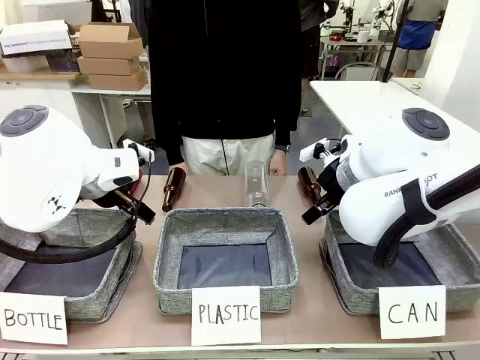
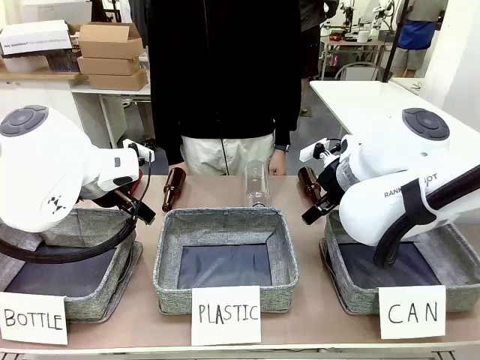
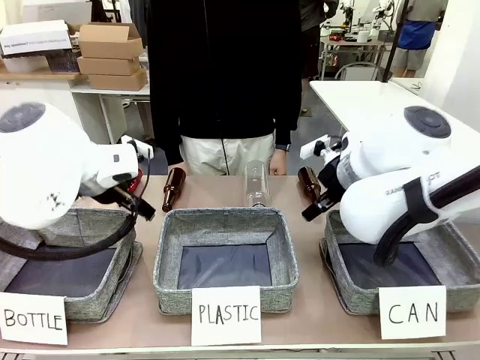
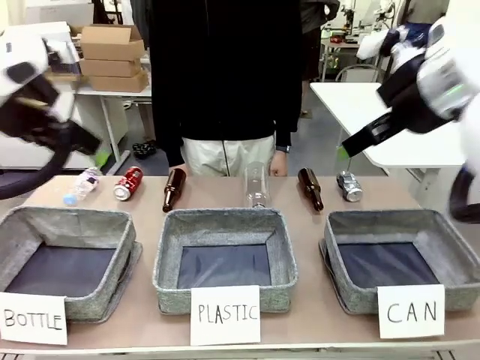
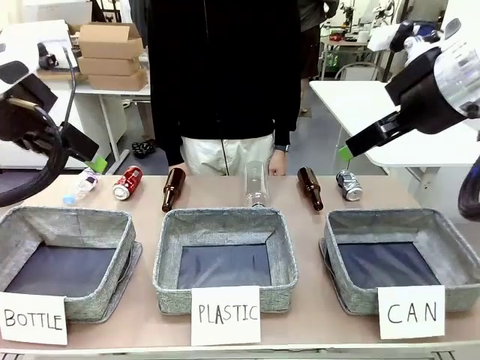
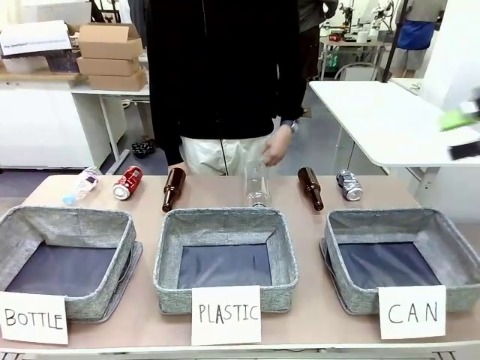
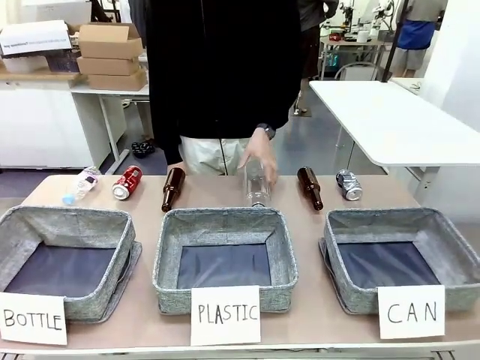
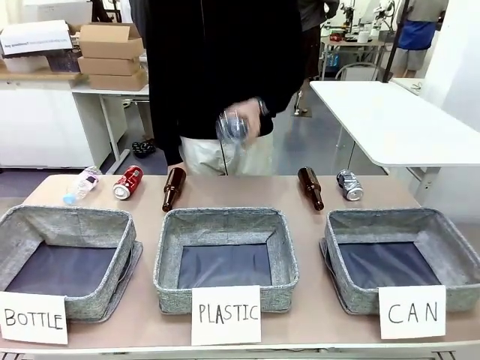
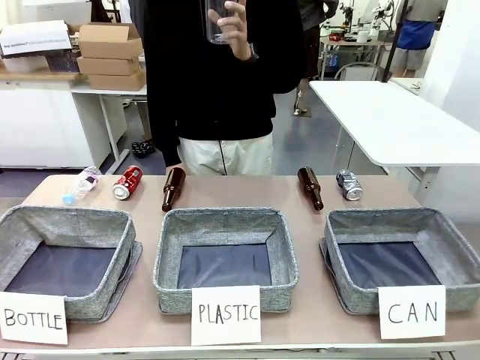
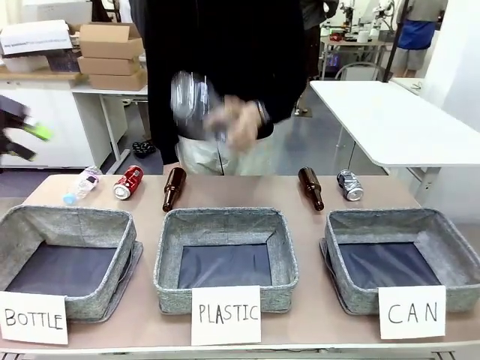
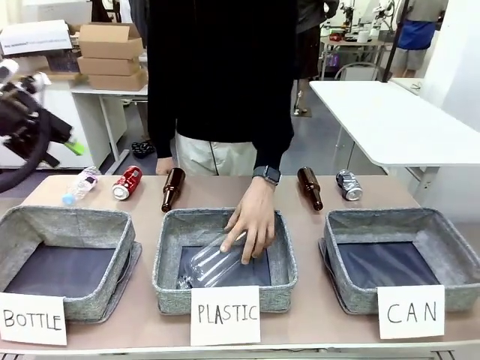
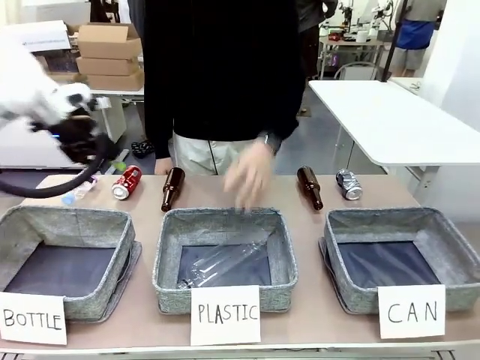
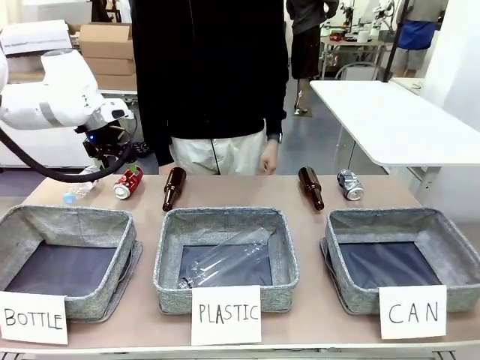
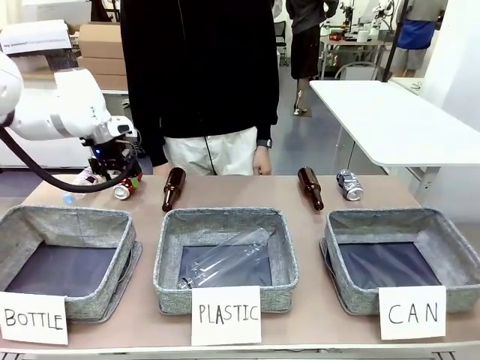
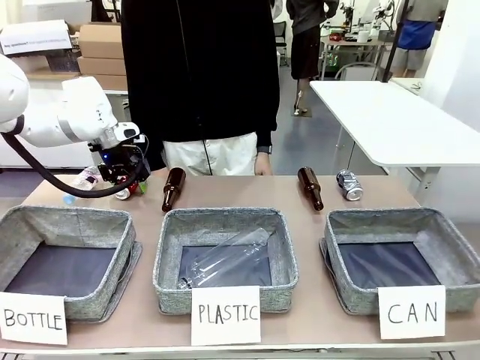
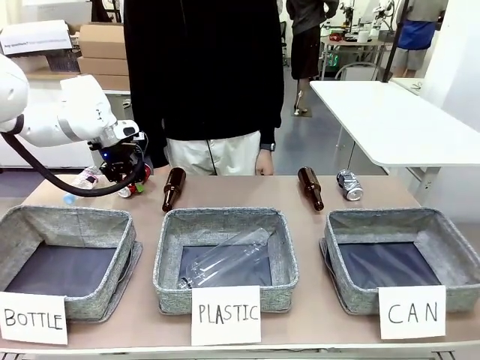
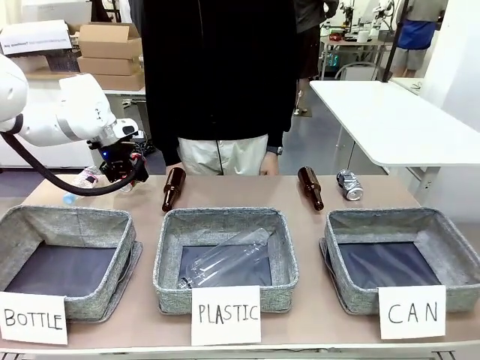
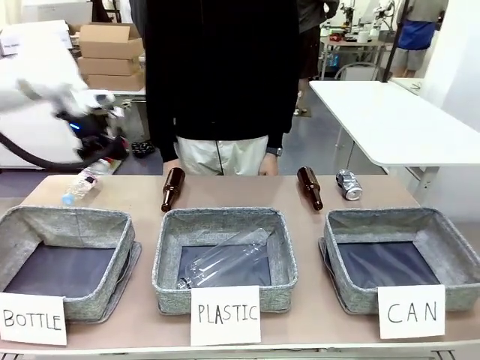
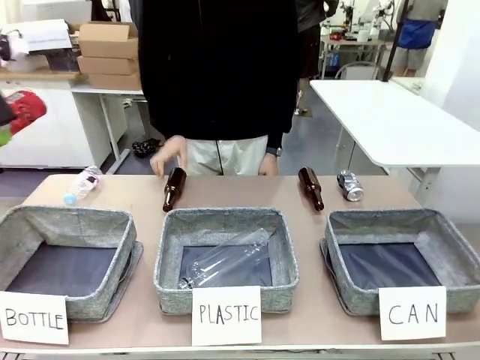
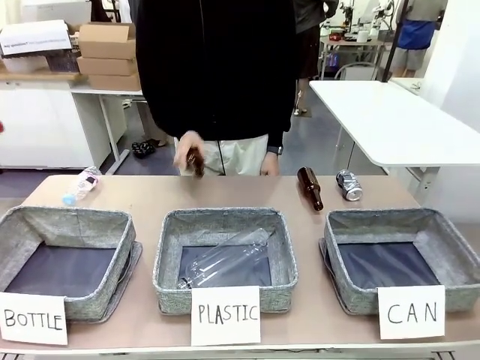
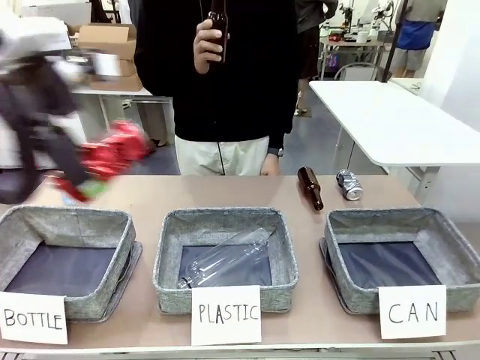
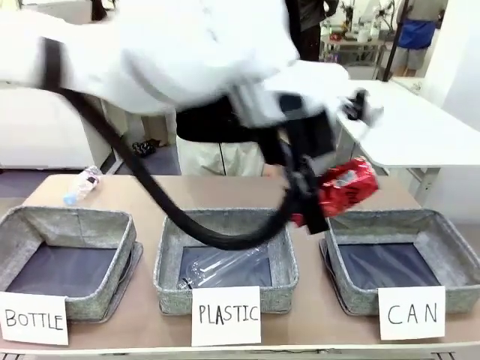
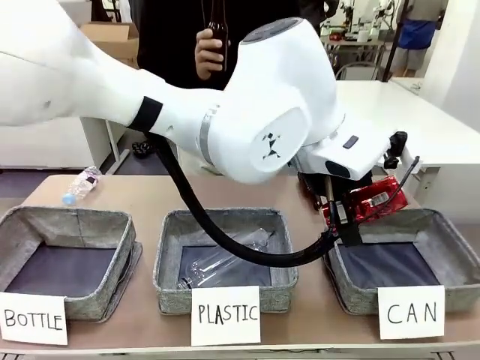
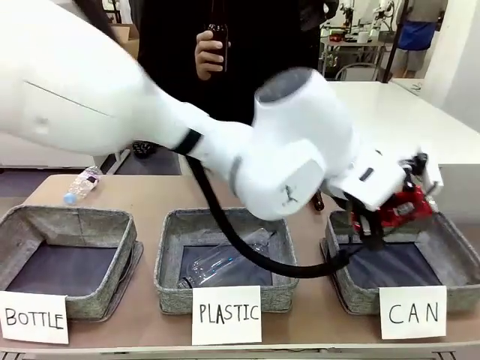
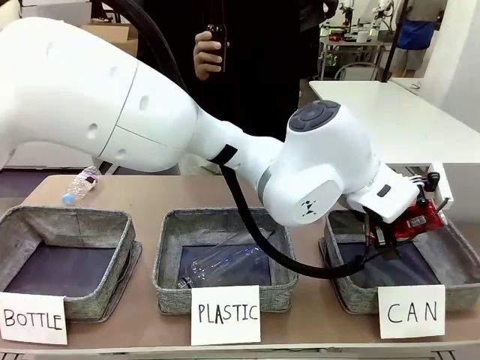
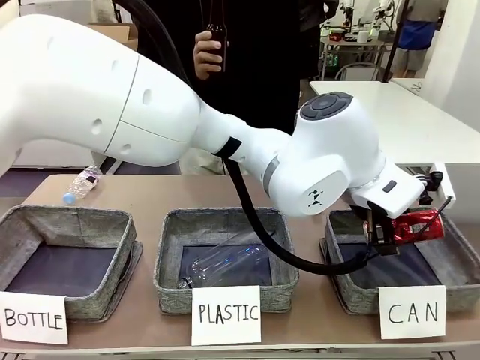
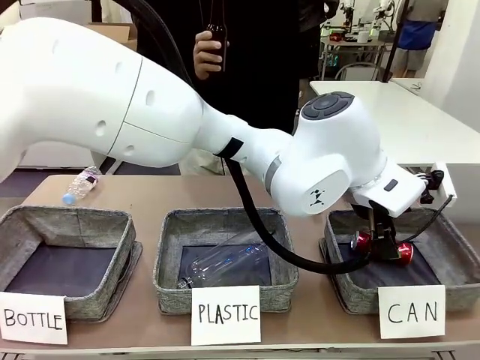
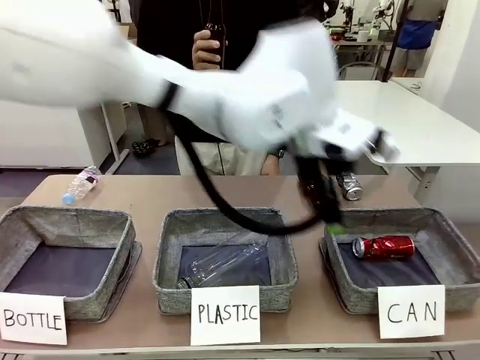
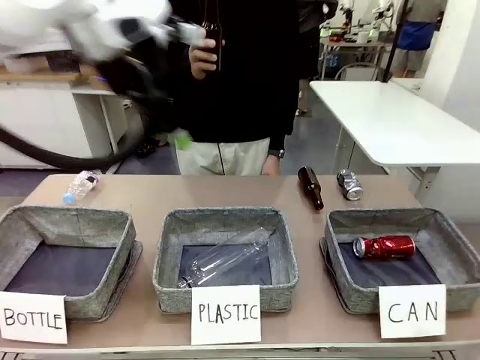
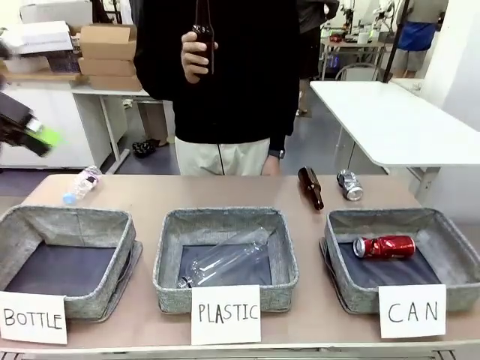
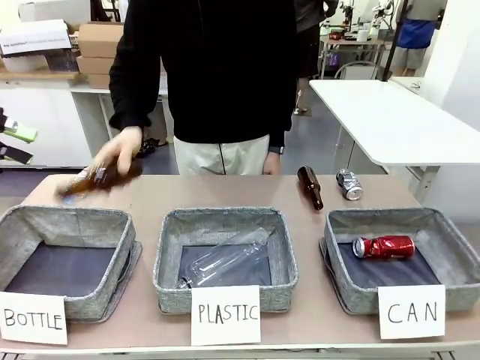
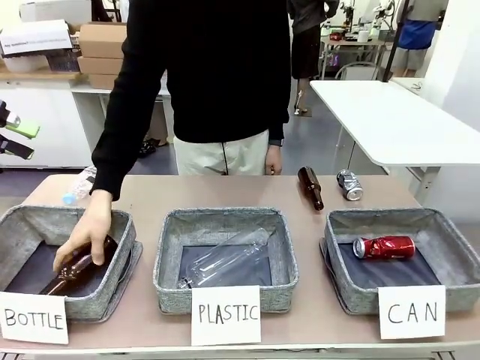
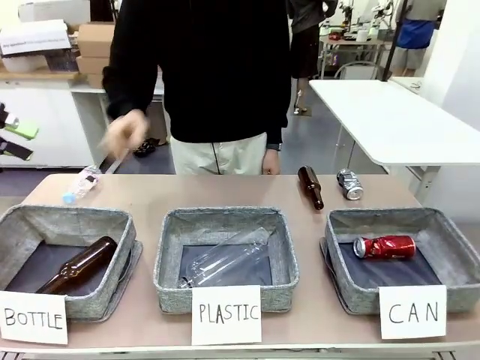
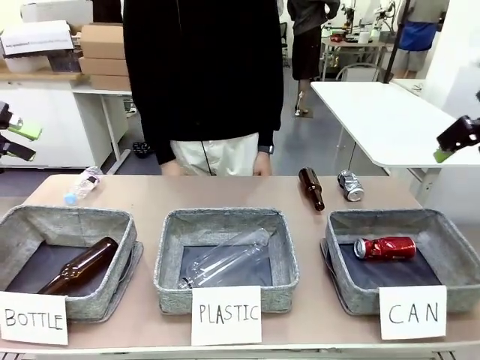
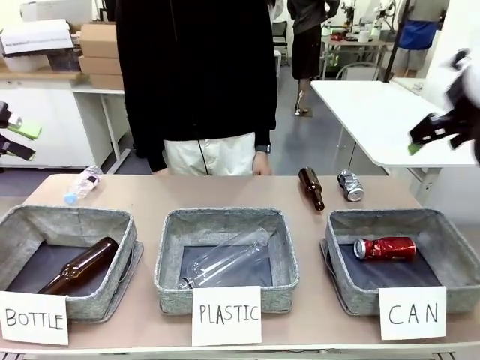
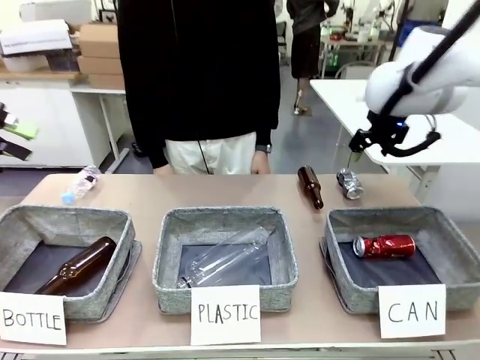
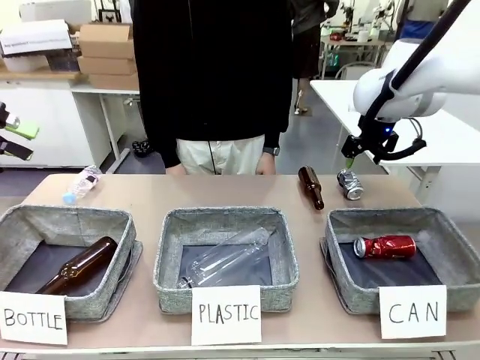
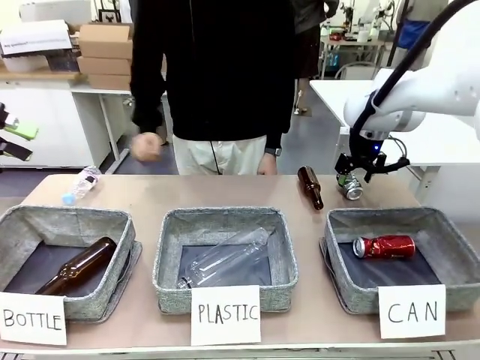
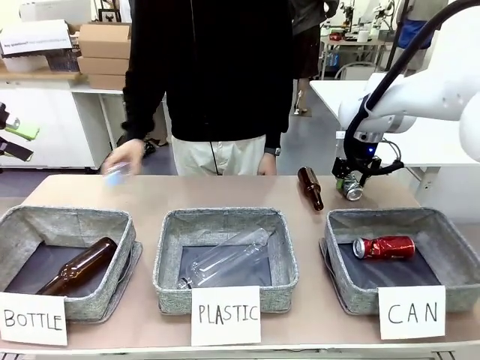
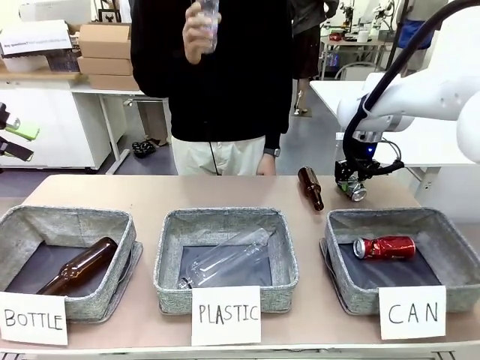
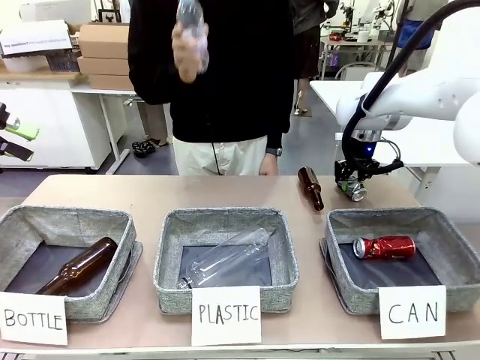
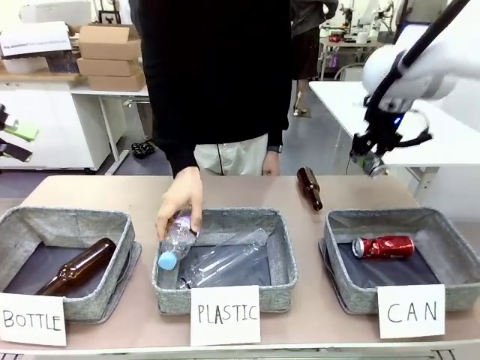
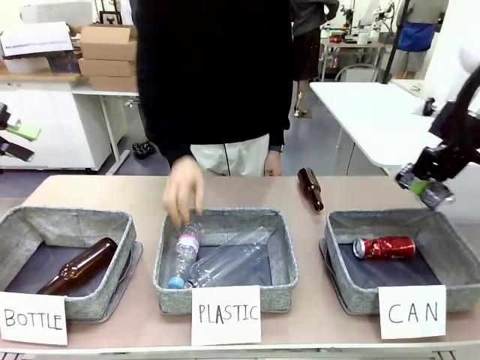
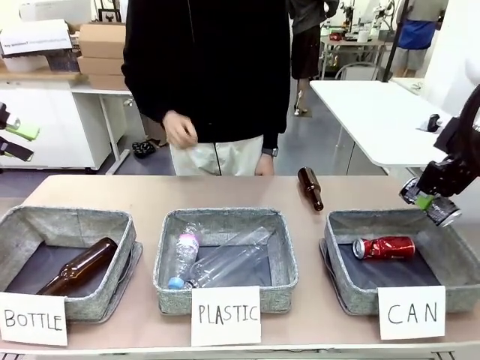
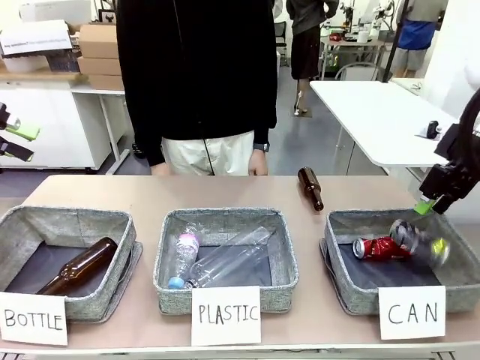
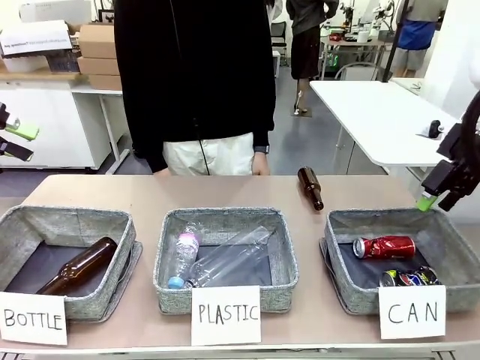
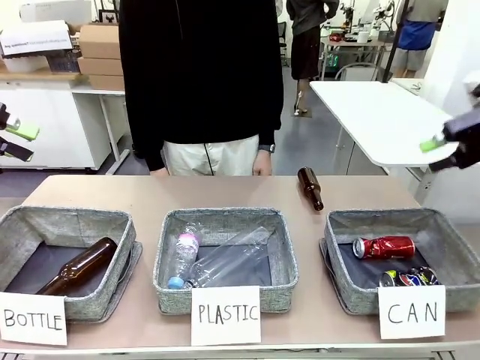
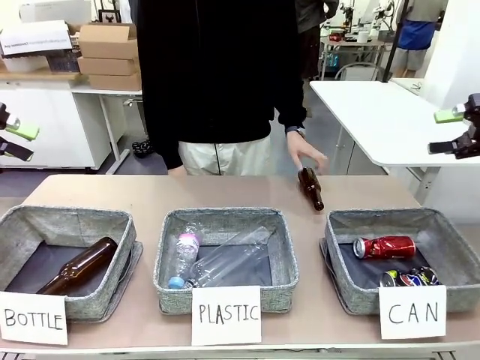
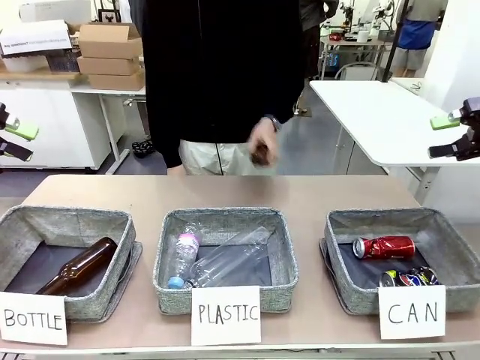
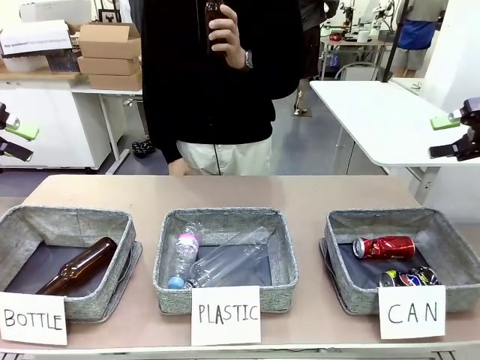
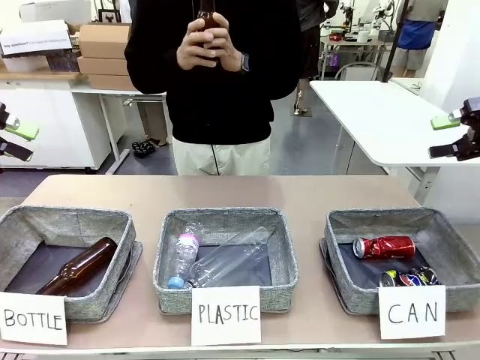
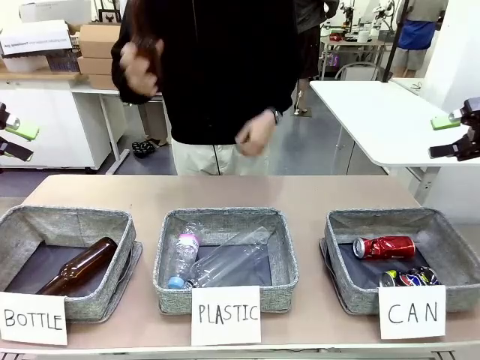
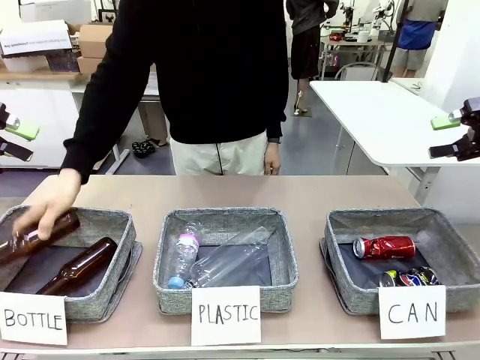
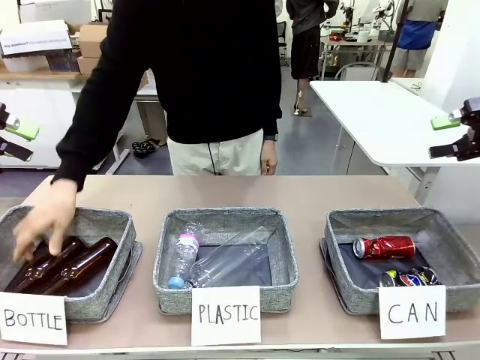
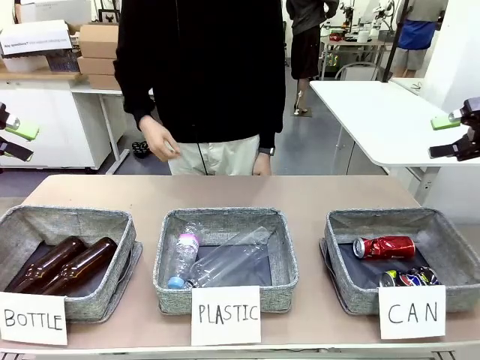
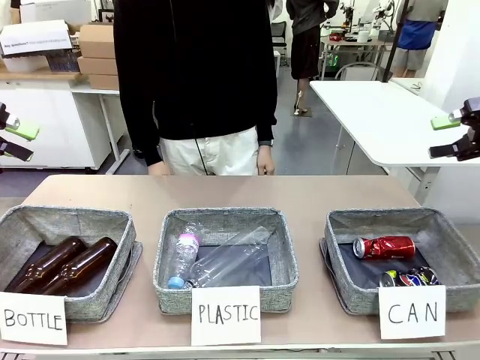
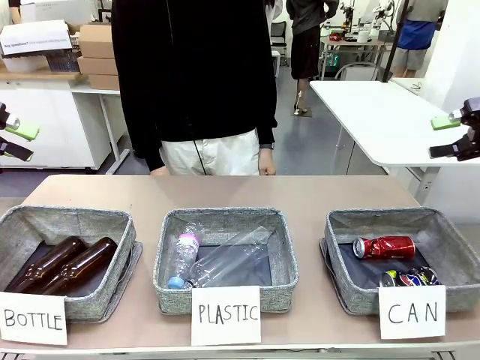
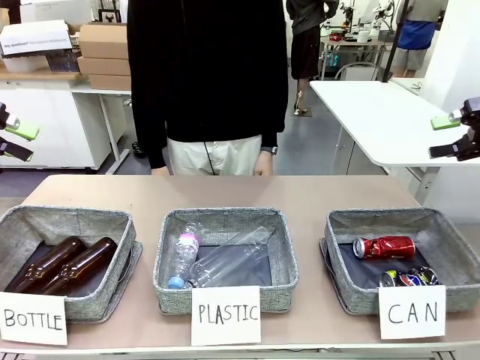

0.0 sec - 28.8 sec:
Task: Sort the can waste into the basket.
Robot: Pick up the can waste from the table and place it in the right Fabric basket.
Person: The human picks up one piece of trash that is not a can and places the trash into the appropriate organizing basket.
